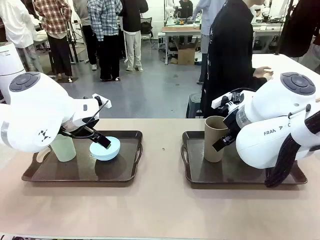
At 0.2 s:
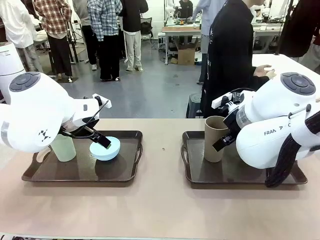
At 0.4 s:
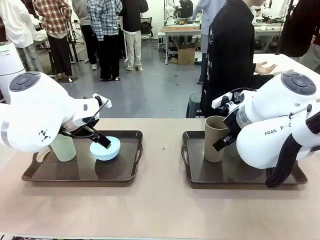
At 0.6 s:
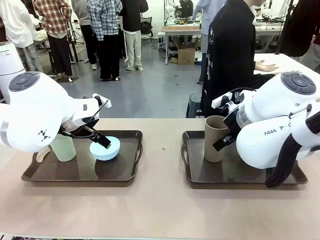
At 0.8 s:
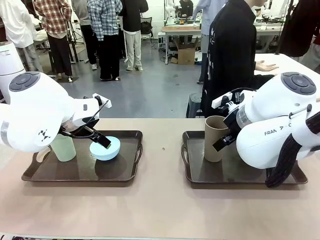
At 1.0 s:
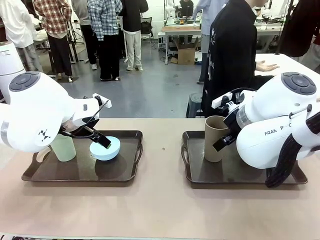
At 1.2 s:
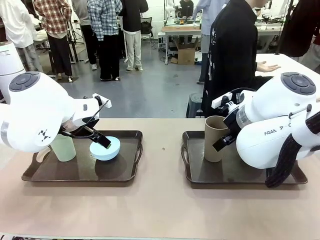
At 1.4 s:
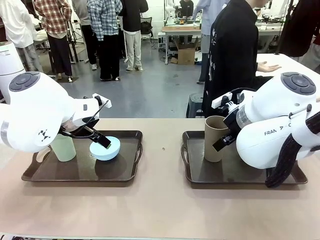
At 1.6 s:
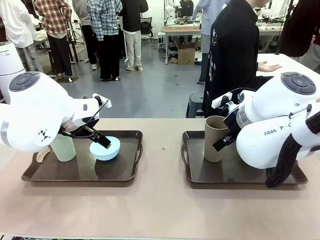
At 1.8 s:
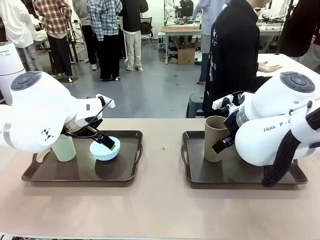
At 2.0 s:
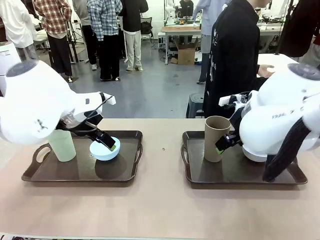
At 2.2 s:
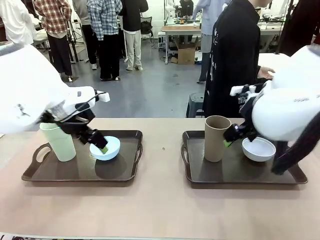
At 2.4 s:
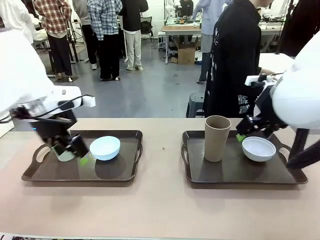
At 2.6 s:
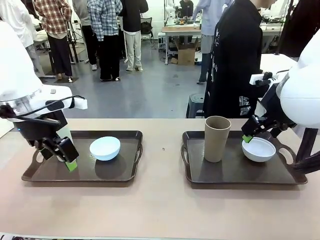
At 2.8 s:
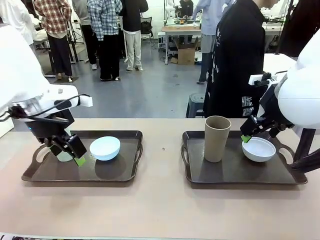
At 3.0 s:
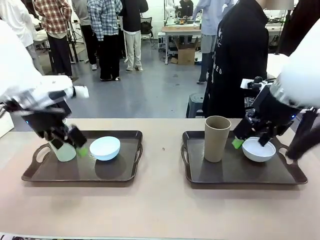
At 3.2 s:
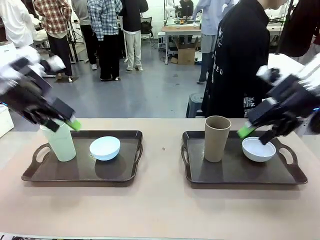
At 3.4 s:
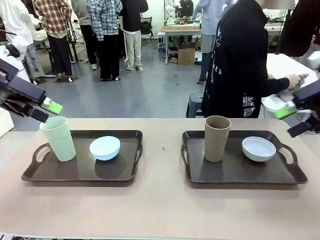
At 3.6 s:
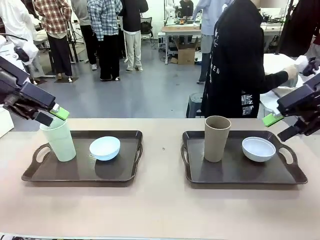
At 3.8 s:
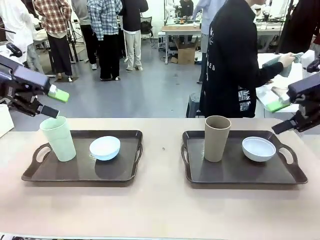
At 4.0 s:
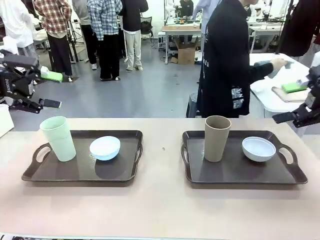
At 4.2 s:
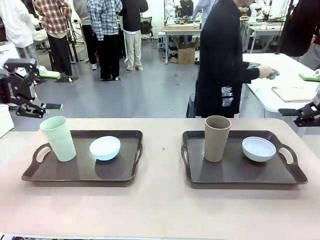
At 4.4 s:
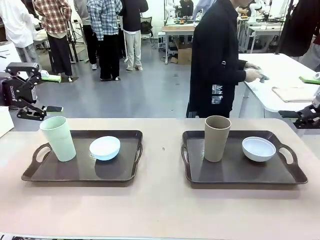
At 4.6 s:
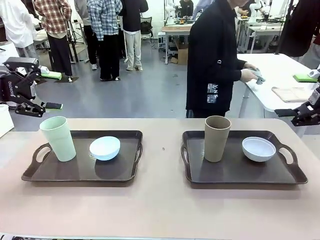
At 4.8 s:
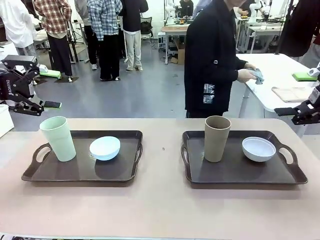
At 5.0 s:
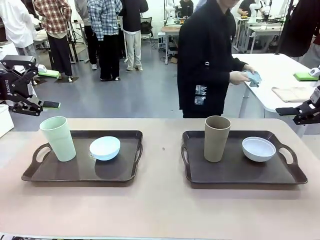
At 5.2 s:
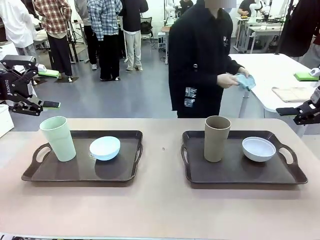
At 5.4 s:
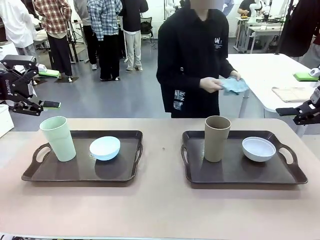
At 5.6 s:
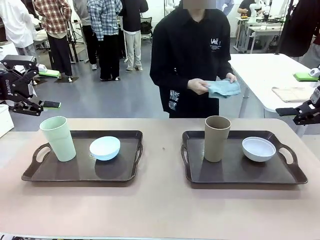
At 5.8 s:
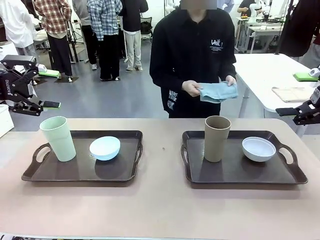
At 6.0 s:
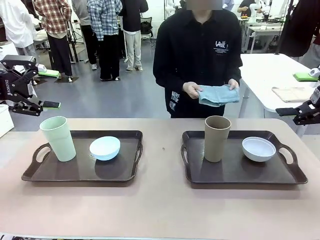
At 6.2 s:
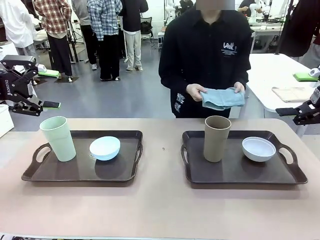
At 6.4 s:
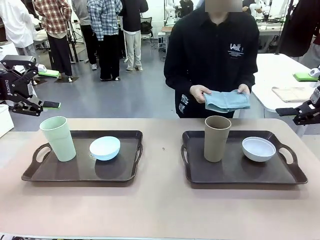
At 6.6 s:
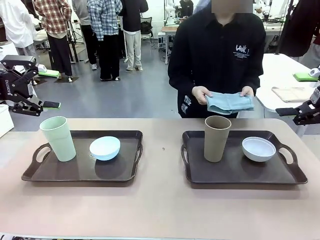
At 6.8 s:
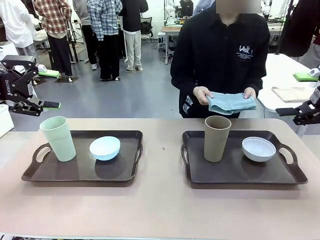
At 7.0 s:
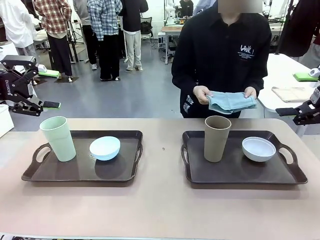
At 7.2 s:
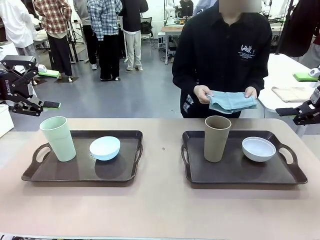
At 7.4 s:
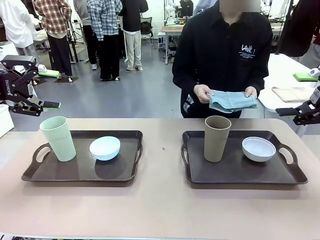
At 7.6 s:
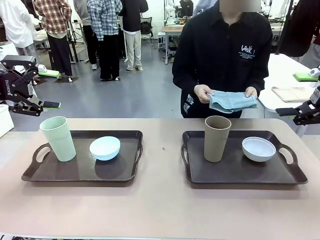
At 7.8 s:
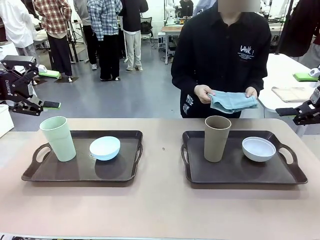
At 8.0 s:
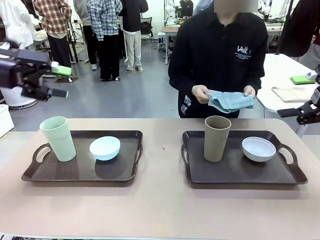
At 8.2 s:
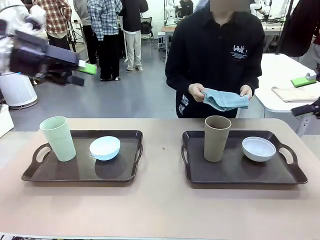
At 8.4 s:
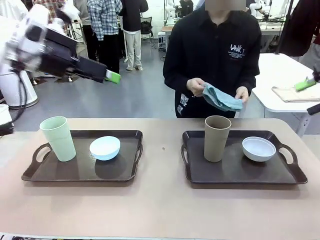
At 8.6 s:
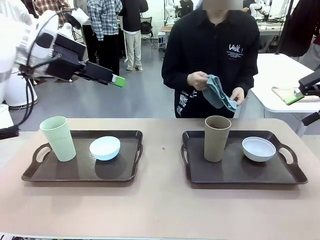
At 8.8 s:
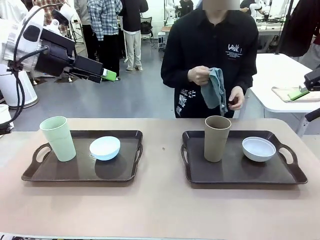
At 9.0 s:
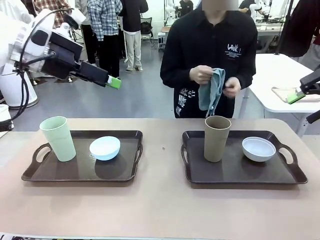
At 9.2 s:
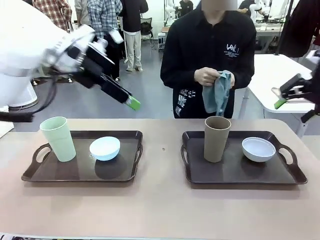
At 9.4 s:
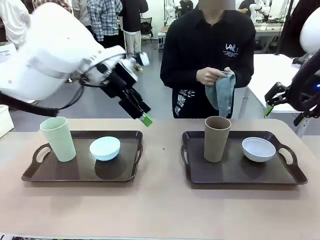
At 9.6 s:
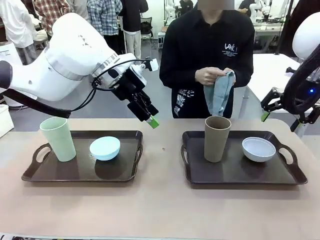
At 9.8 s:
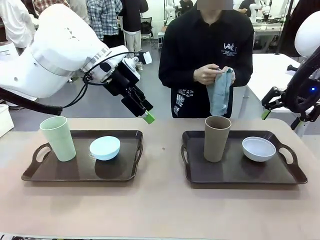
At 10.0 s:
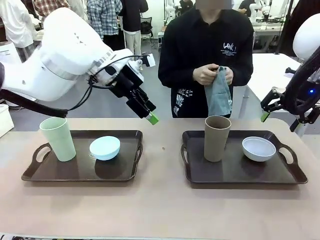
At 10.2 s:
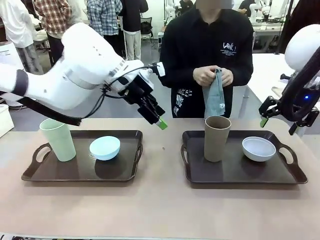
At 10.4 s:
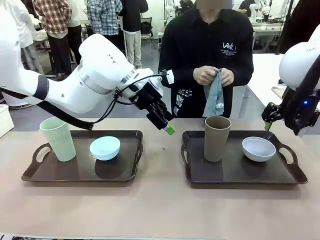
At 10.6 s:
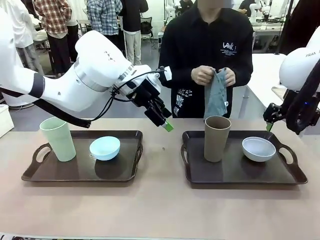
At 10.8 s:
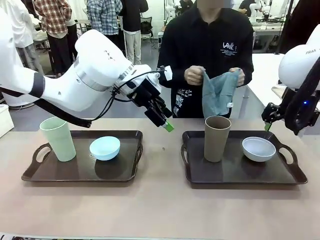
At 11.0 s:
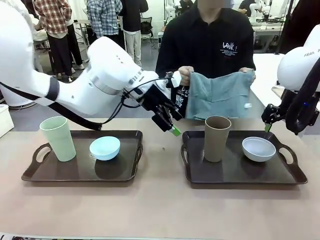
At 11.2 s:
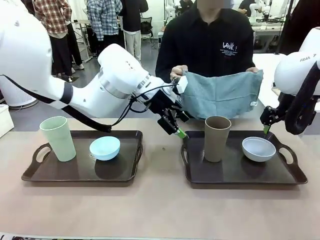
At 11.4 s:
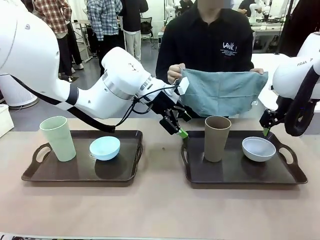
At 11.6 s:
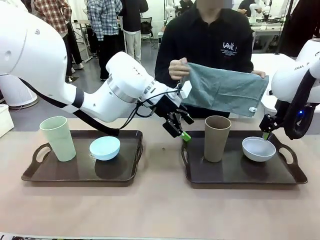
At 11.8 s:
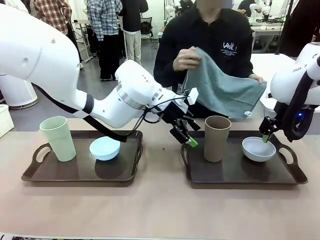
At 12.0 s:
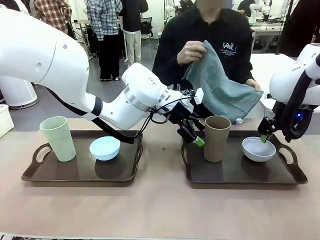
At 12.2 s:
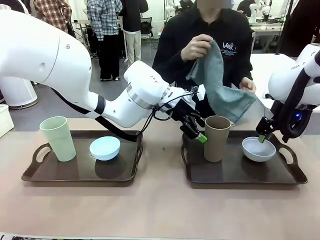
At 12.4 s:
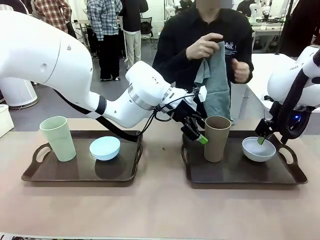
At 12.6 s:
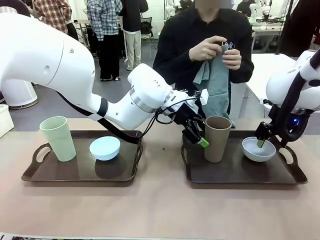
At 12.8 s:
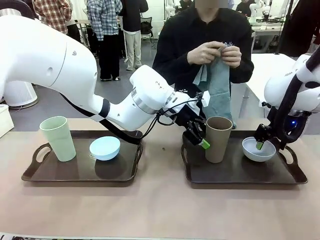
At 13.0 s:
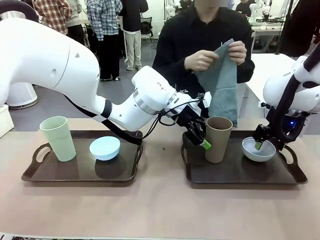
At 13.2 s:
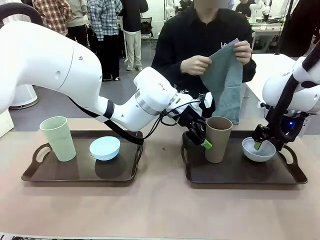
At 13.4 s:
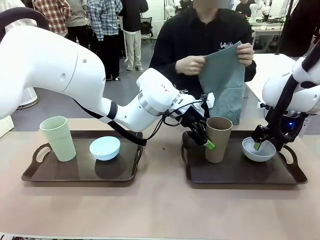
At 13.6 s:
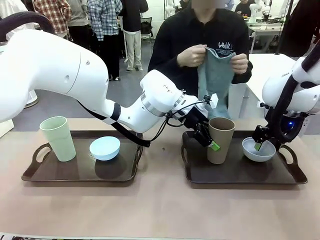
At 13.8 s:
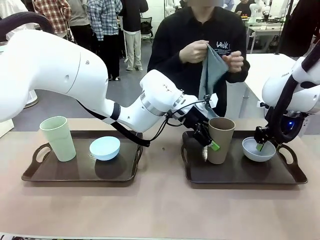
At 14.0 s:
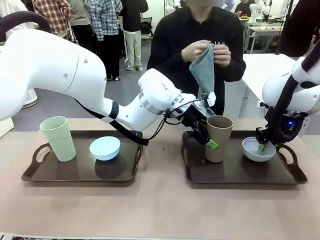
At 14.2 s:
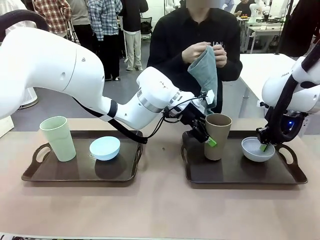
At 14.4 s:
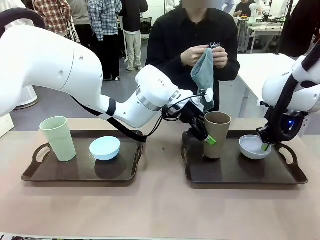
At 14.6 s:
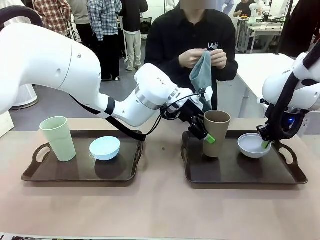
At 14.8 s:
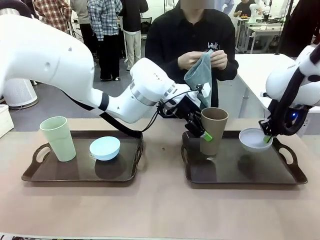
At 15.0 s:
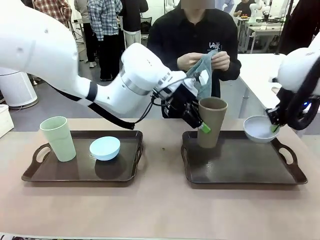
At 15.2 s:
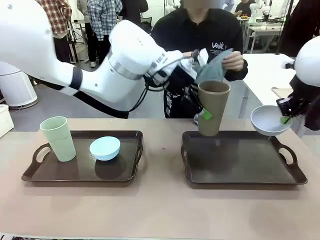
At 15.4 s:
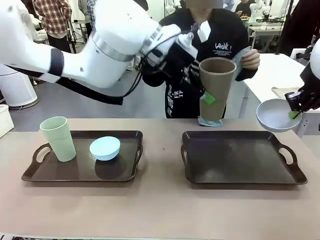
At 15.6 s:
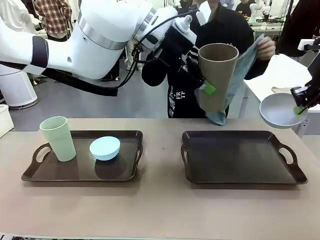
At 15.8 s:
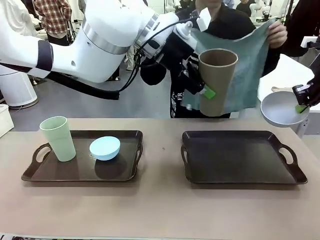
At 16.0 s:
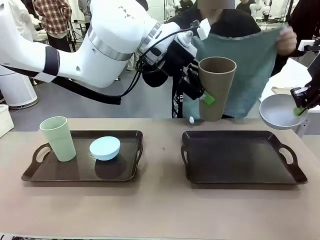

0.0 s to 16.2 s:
Robot: Pick up the Picnic Bowl and Reusable plastic cup from the Handle tray in front of the human's position and hold them in the air.
Person: The human picks up the top napkin from the stack on the human table and walks to the robot table to stand in front of one of the two trays. When the robot lifts the bowl and the cup, the human unfolds the napkin and lays the napkin flat on the tray.

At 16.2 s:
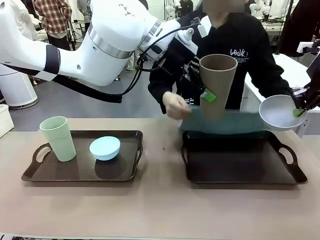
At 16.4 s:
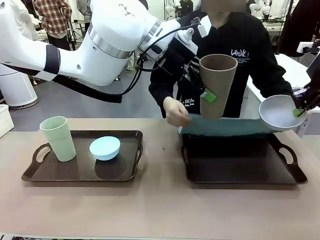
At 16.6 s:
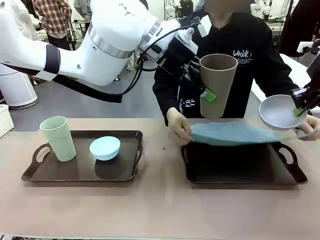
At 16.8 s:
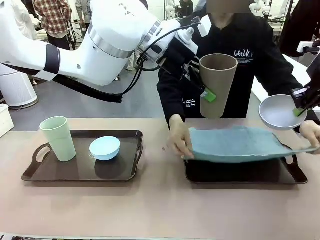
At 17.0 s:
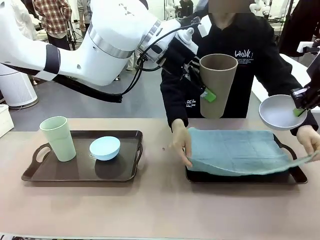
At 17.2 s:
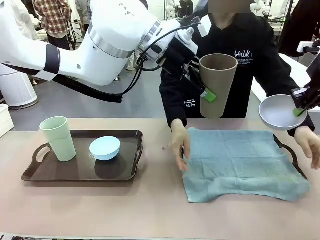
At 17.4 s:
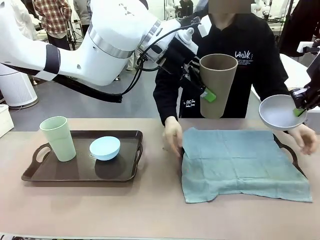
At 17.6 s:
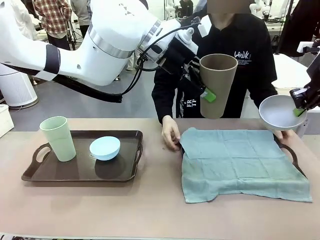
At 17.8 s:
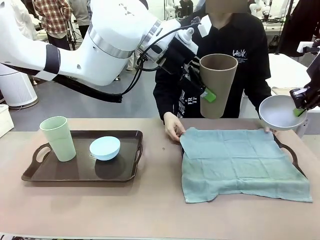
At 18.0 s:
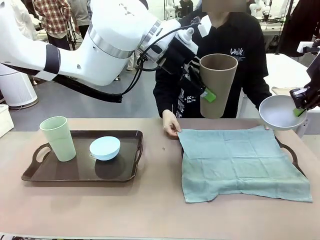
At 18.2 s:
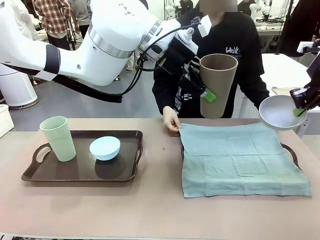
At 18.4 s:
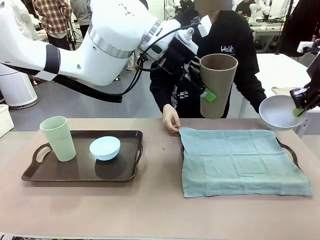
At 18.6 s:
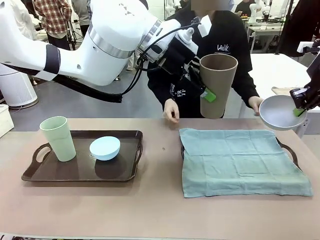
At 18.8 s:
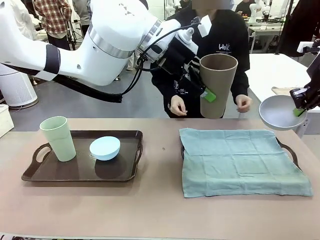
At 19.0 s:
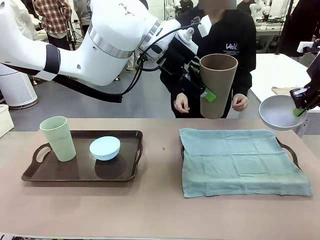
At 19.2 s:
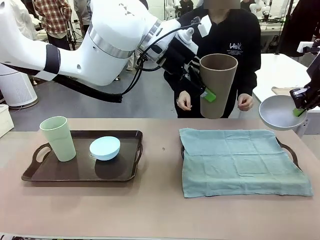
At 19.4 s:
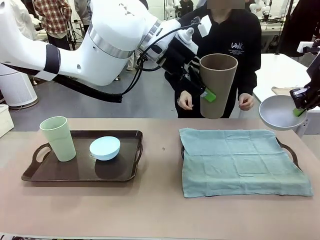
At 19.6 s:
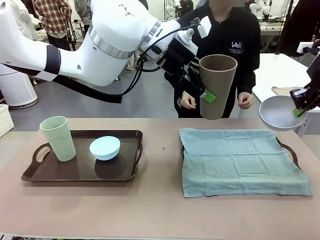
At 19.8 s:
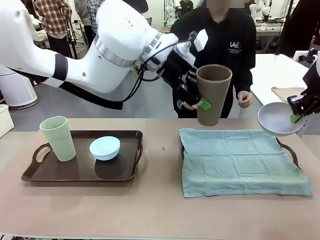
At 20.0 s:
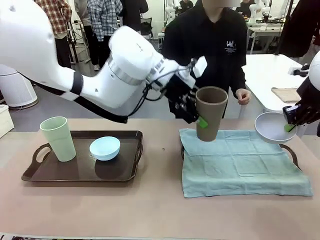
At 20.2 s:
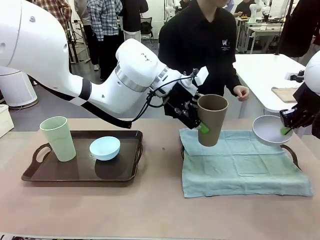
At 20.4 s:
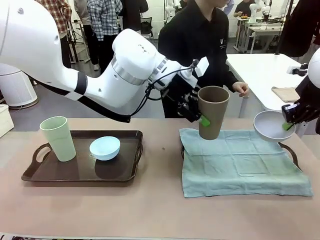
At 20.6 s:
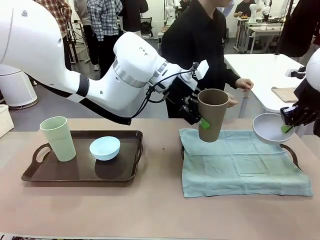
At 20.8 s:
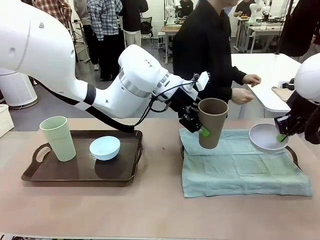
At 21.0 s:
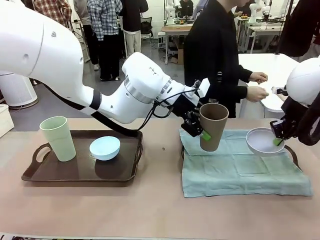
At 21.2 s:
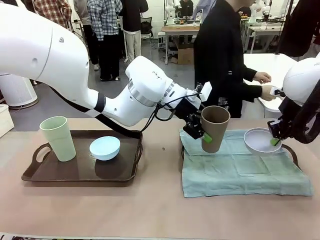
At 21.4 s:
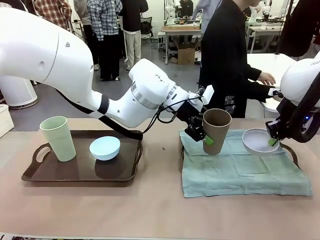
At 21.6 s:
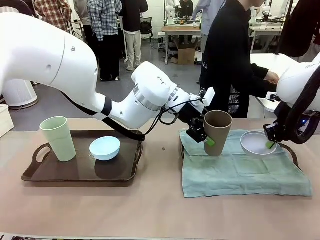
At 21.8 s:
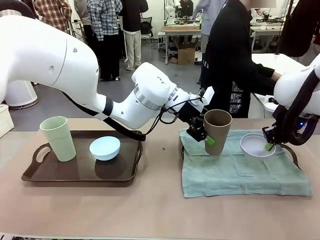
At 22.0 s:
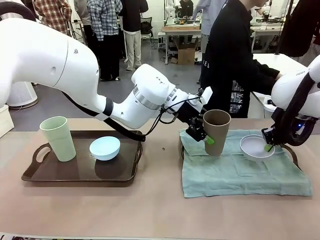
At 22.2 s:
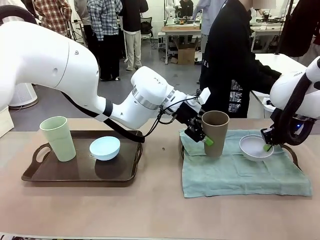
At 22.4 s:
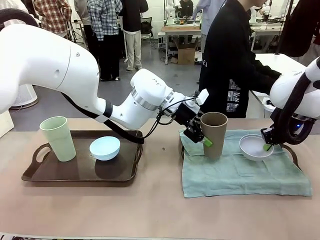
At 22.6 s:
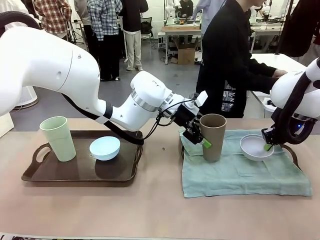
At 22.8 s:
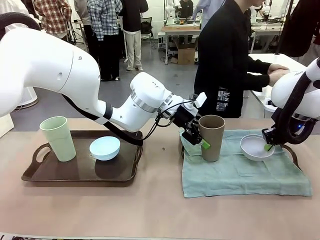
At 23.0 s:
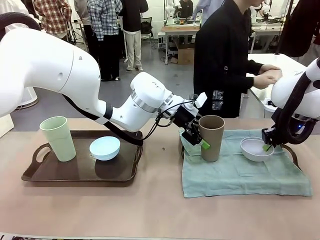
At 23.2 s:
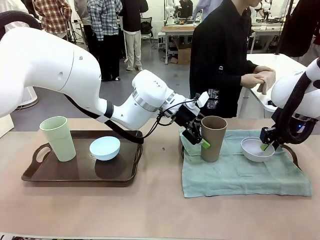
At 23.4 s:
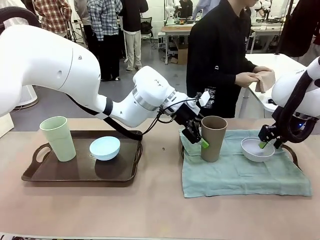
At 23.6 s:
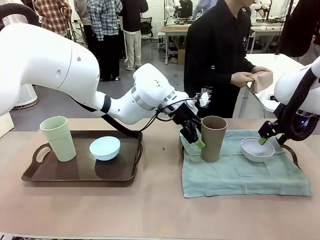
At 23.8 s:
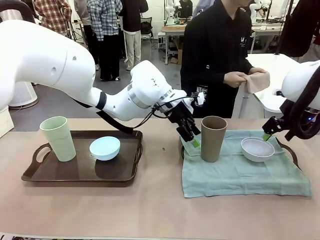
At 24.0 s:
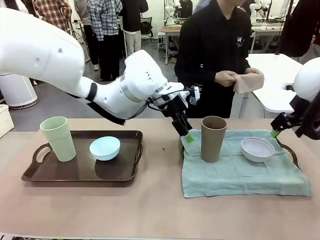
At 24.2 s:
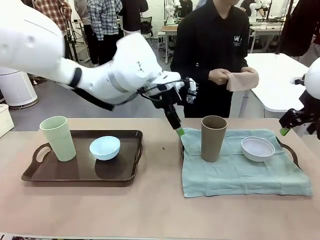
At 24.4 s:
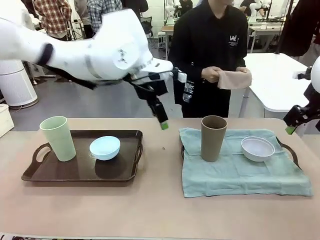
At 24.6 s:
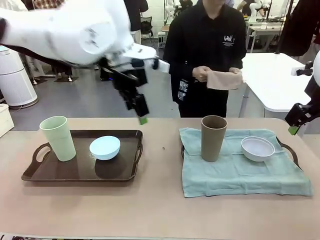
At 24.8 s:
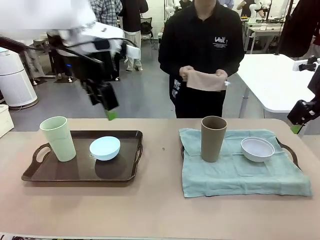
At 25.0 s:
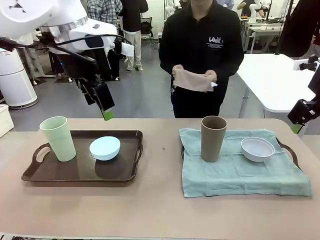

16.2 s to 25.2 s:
Robot: Place the Picnic Bowl and Reusable plastic cup back onto the Handle tray in front of the human's position.
Person: The human returns to the human table to pick up another napkin and walks to the robot table to stand in front of the tray without a napkin.
